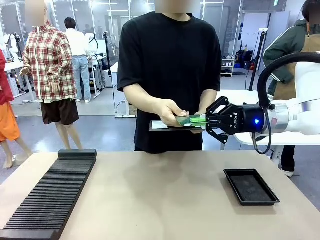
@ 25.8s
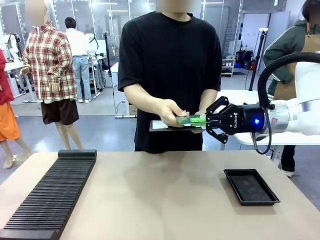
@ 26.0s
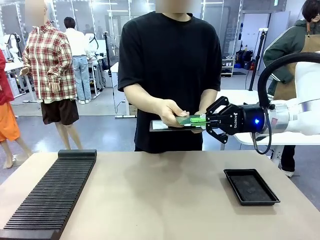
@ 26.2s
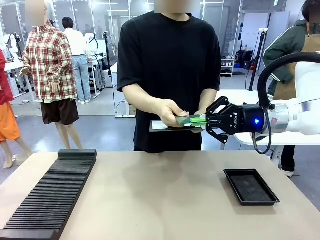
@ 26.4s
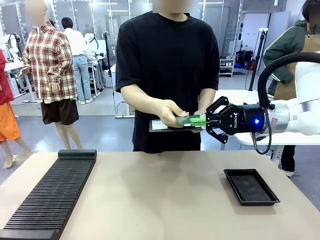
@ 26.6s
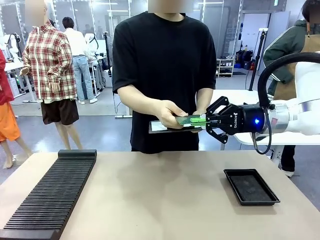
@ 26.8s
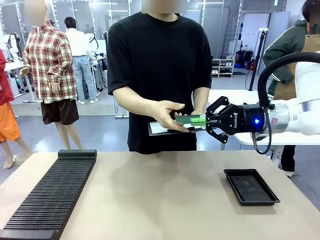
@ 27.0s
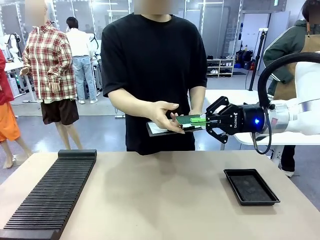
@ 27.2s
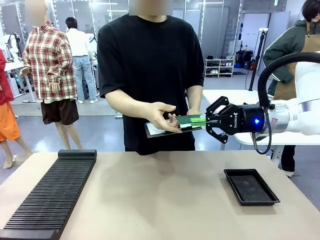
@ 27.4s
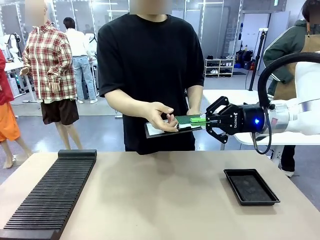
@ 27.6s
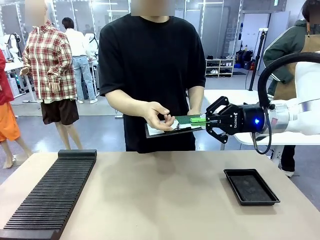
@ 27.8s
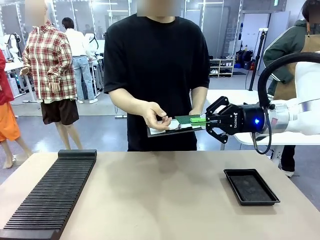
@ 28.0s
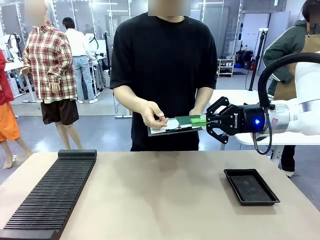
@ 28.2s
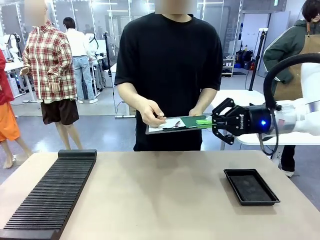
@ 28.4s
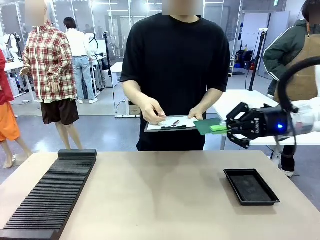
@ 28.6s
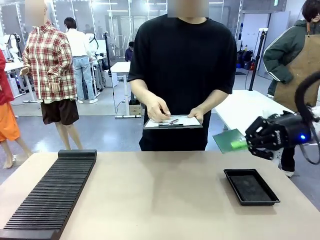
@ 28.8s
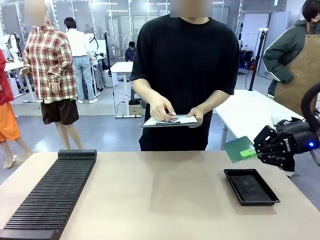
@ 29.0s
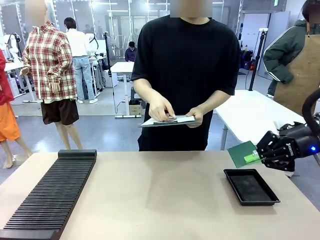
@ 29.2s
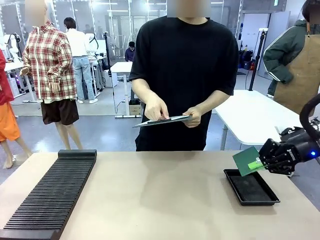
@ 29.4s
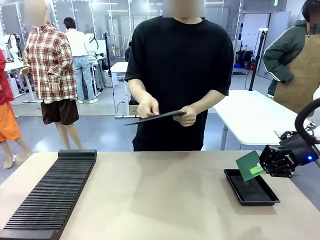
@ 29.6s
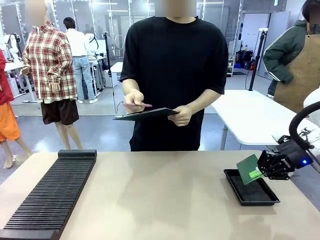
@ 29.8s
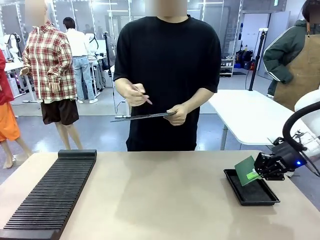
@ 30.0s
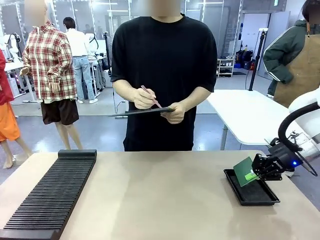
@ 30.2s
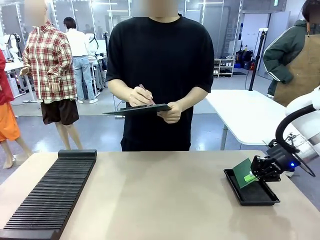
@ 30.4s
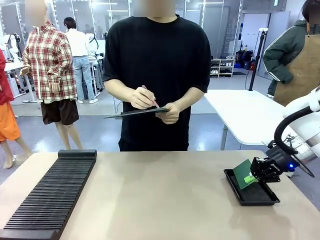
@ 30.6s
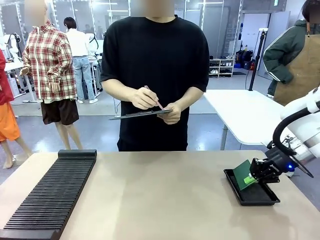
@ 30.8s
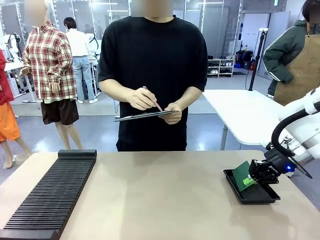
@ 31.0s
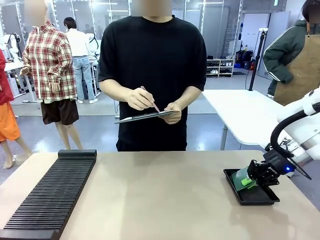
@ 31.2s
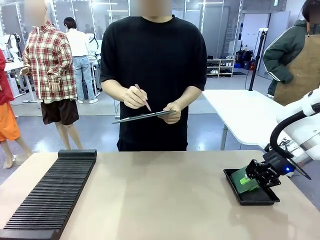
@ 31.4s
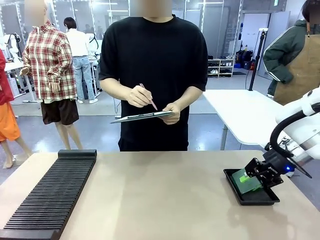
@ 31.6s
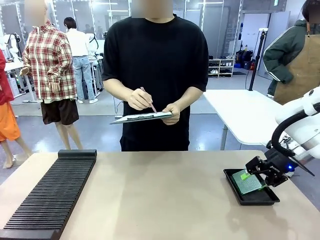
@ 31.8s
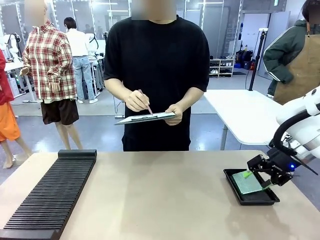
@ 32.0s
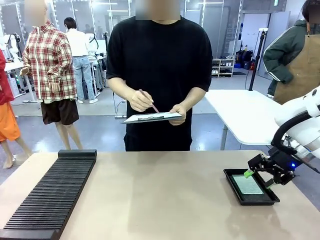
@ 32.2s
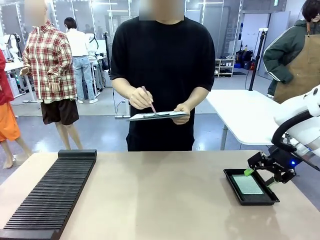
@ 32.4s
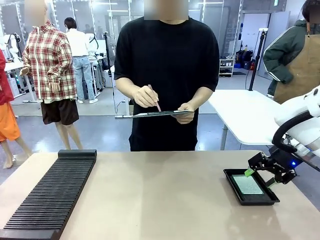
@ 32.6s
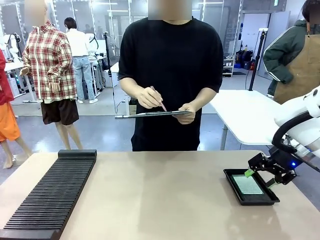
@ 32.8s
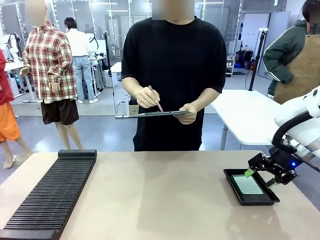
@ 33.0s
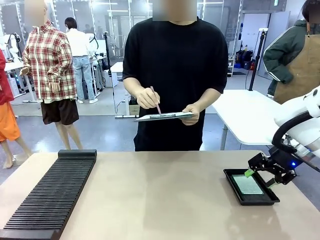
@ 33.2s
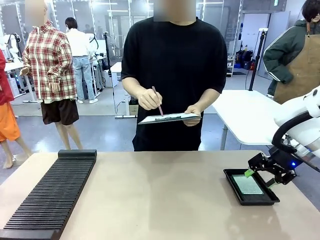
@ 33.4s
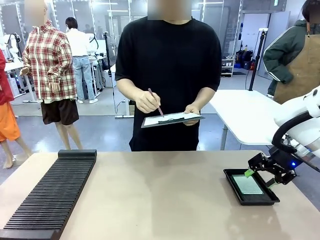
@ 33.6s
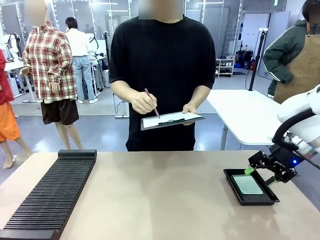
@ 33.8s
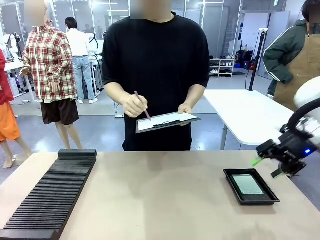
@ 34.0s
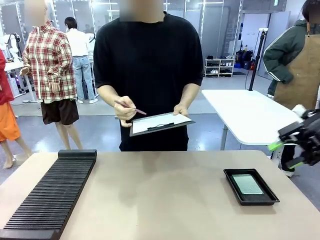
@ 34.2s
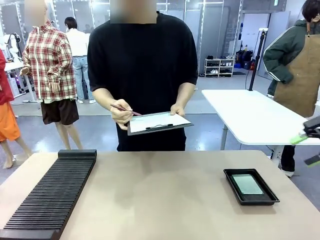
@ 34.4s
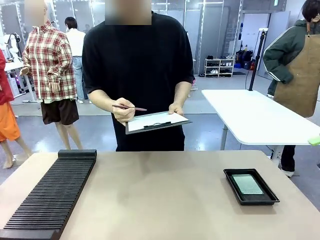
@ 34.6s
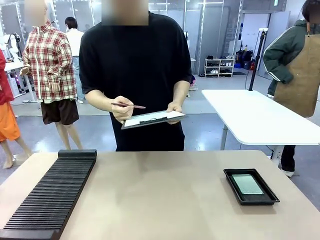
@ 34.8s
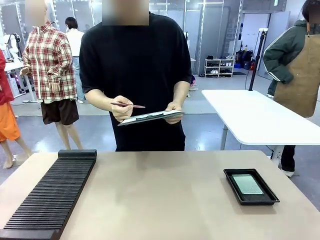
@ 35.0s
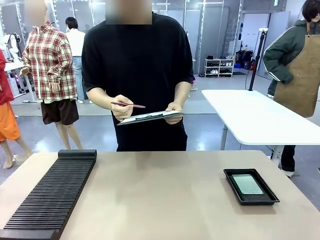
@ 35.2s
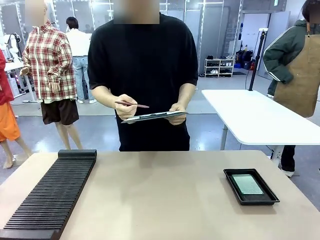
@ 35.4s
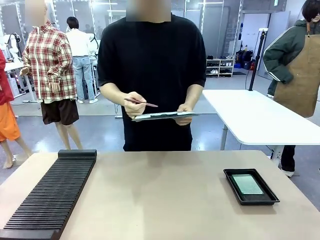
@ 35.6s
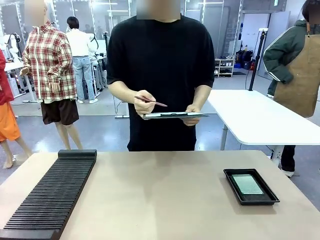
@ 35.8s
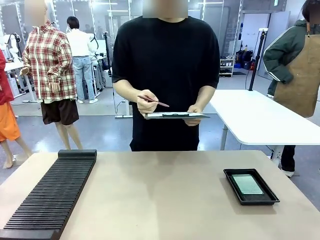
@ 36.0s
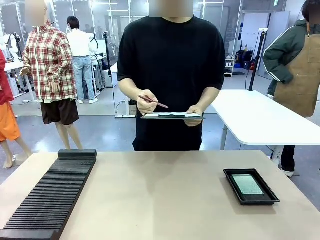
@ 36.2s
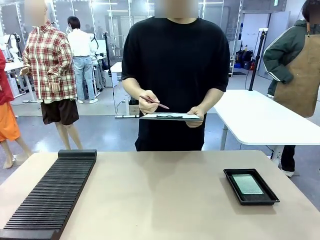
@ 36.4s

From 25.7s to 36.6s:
Task: Inspect the PCB.
Robot: Place the Blank PCB in the ESD tray.
Person: Record the PCB status on the paper.

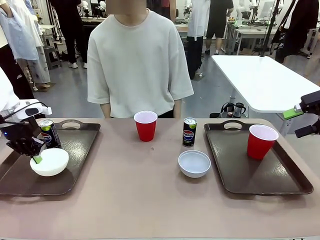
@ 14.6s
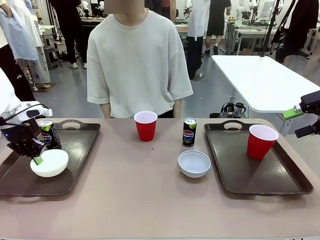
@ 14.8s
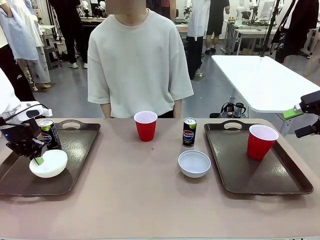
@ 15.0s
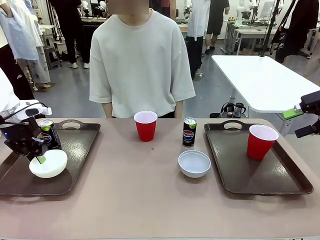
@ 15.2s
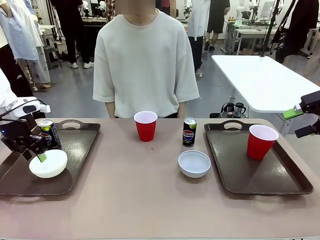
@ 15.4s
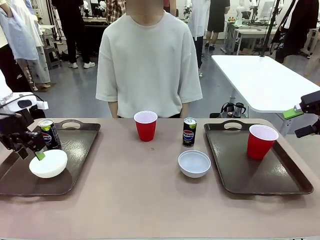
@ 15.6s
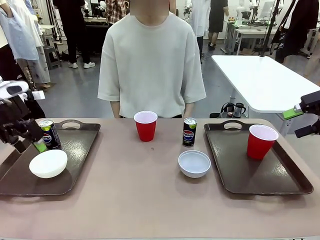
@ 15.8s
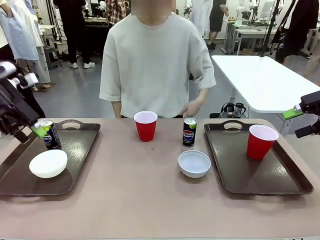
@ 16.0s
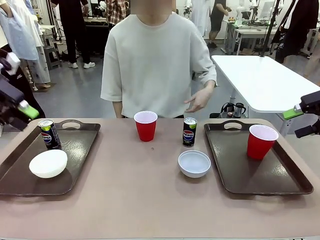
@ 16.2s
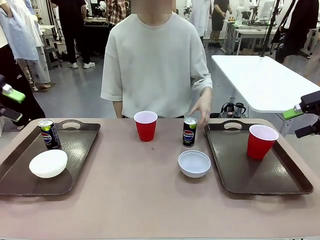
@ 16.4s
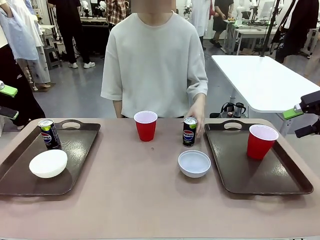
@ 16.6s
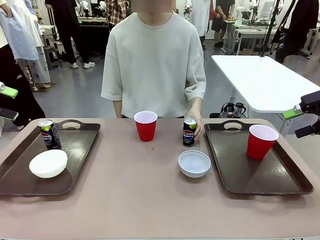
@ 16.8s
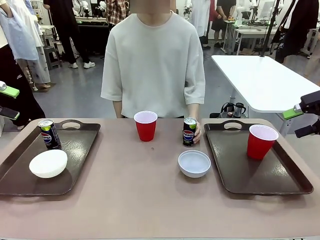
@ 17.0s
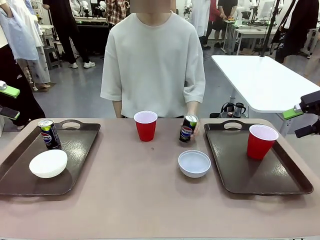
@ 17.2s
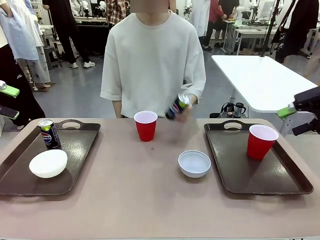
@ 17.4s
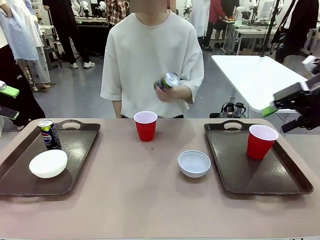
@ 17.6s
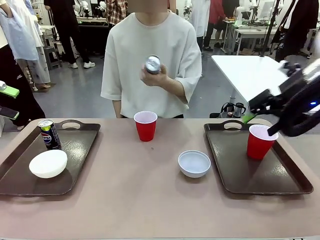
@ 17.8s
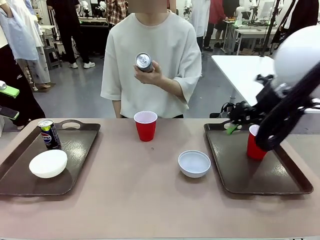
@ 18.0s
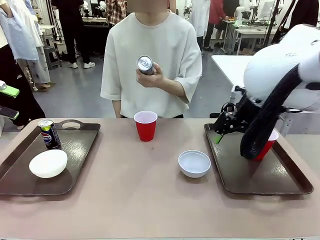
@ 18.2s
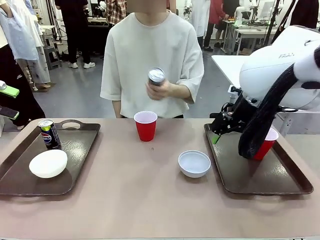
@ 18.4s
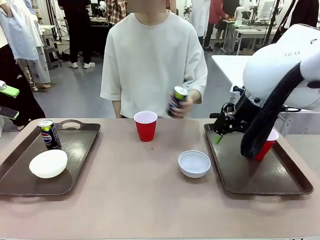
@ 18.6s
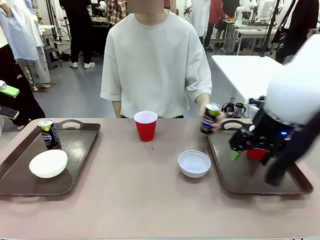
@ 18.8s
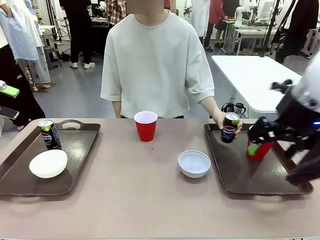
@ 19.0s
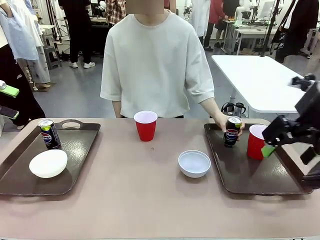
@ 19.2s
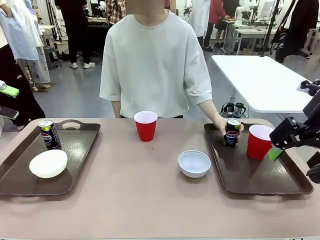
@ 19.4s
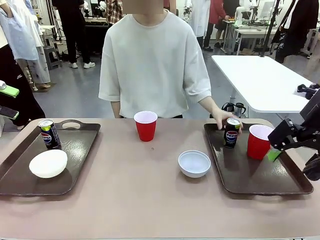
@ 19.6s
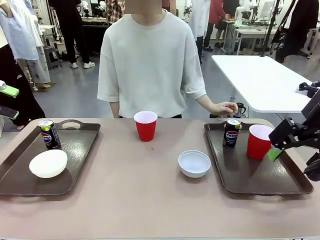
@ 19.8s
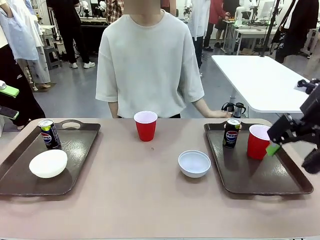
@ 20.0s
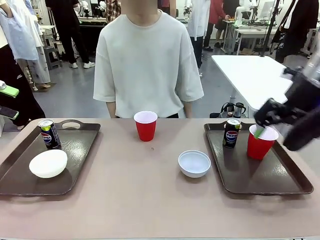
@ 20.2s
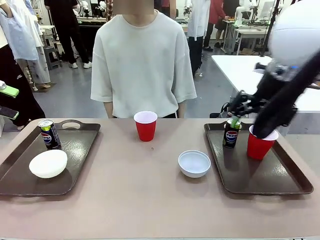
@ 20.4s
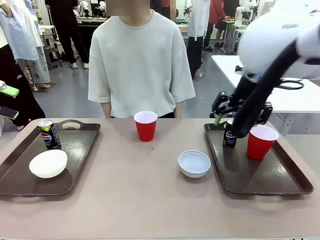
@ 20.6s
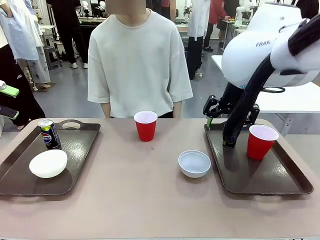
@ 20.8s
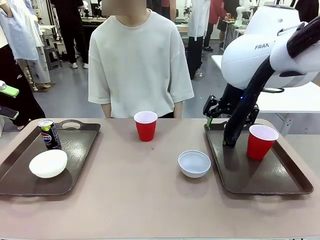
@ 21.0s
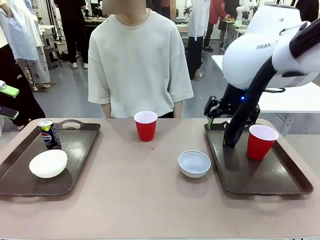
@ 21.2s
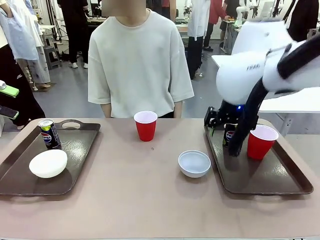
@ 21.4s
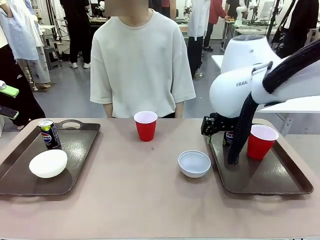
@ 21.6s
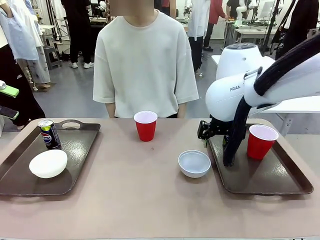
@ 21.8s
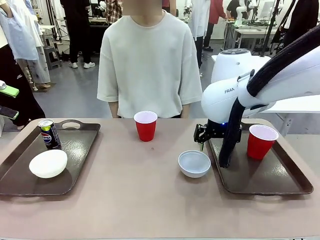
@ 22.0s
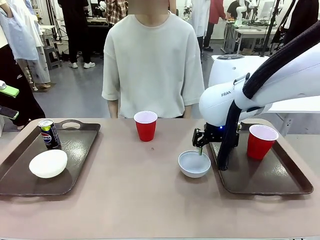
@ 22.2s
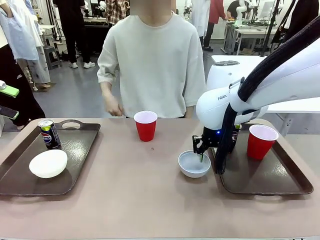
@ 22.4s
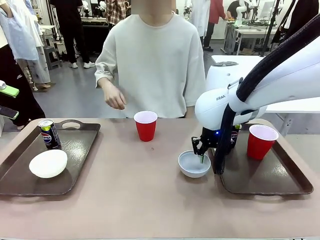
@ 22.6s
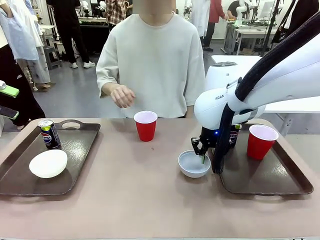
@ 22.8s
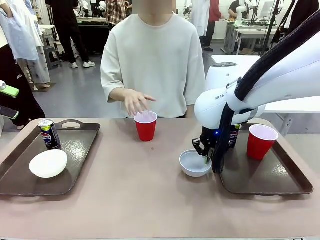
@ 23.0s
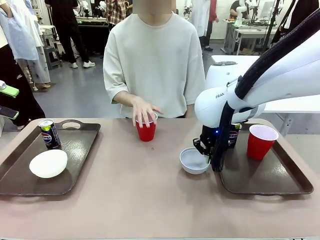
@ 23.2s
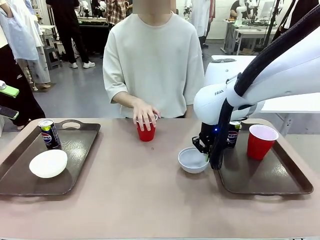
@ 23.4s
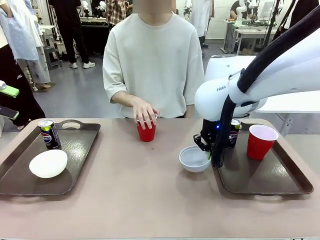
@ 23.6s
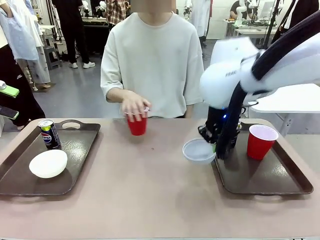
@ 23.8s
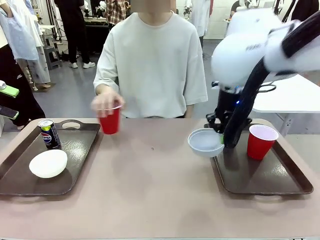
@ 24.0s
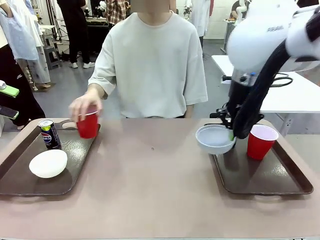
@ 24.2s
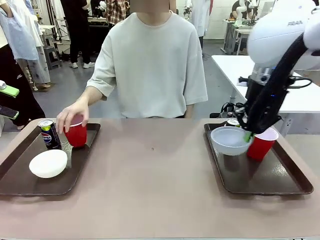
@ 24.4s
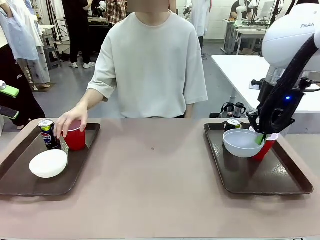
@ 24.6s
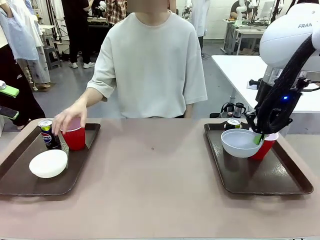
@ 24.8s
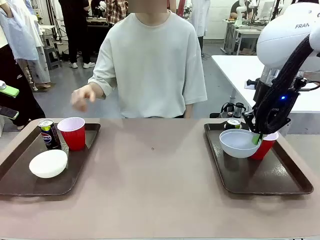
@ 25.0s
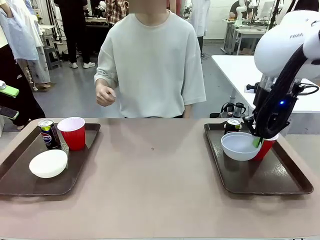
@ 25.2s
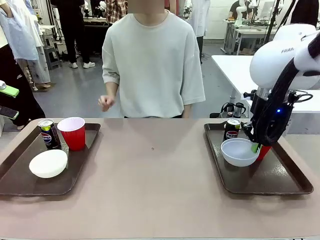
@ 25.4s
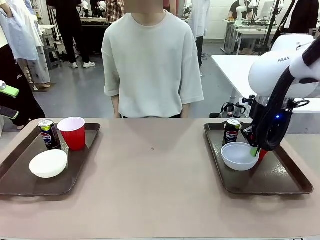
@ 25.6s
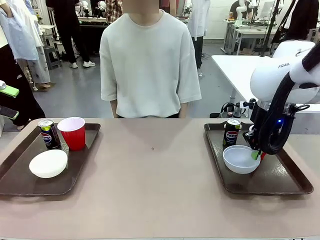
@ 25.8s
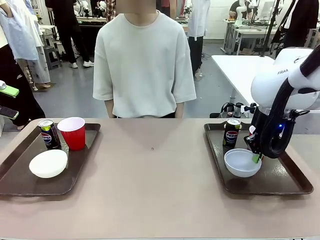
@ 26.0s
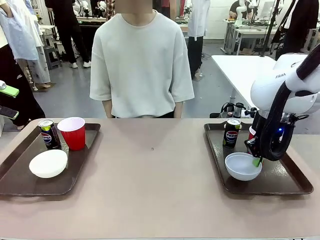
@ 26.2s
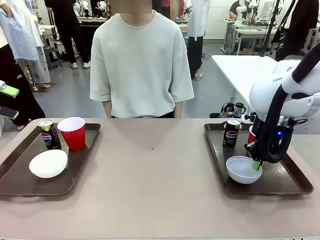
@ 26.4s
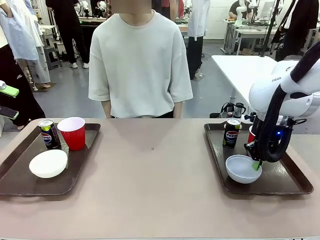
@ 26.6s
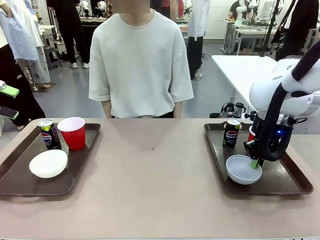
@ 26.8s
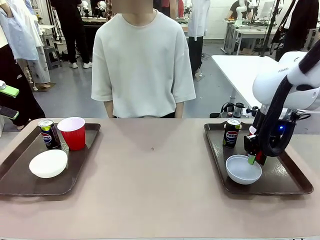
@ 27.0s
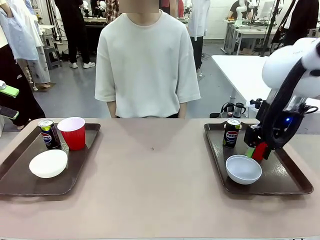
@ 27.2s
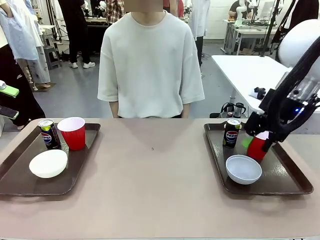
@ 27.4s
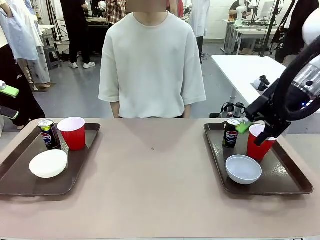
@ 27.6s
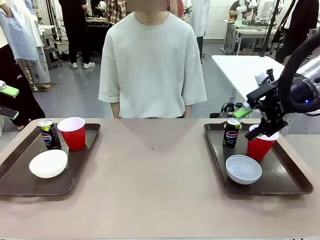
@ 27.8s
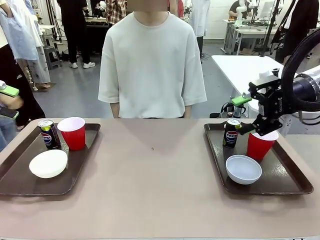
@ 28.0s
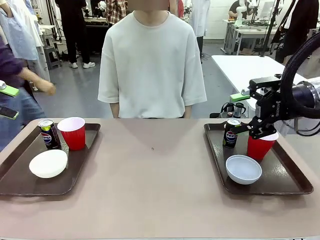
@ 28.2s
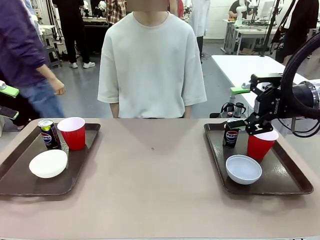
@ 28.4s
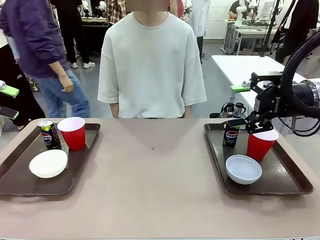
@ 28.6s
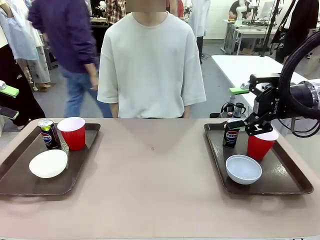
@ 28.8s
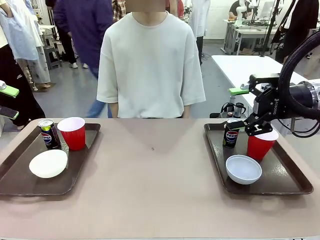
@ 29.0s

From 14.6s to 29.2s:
Task: Prepare tableware on both trays.
Robot: Pick up a Picnic Bowl from the table and place it on a Handle tray.
Person: Pick up a can or cup and place it on the tray without a can or cup.
